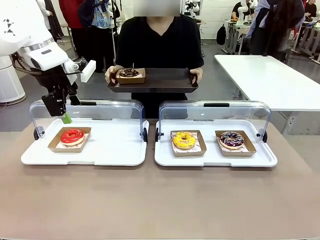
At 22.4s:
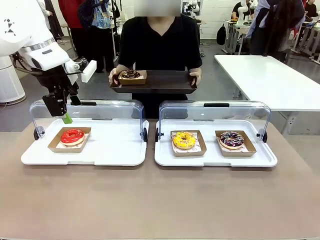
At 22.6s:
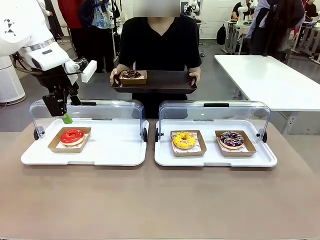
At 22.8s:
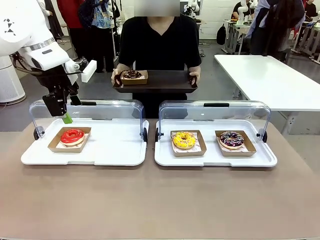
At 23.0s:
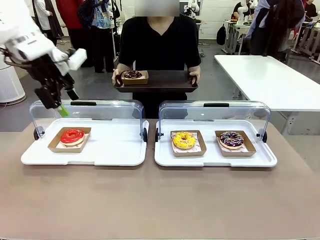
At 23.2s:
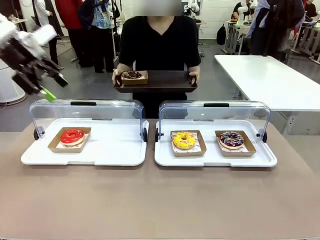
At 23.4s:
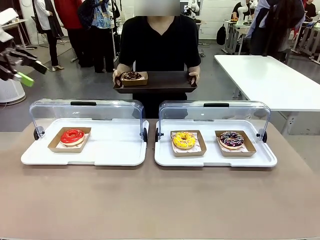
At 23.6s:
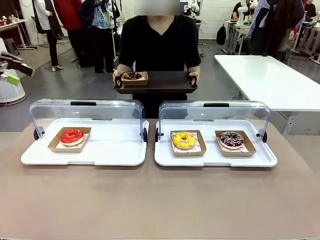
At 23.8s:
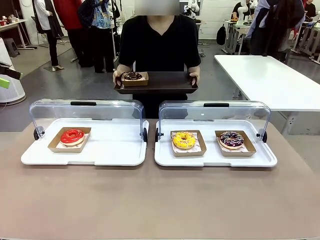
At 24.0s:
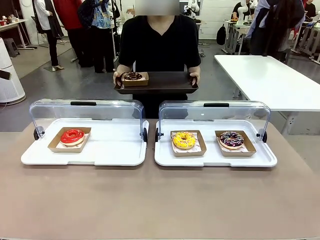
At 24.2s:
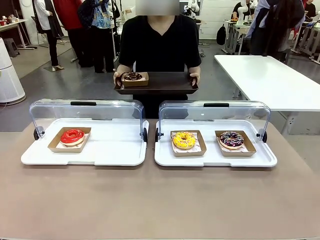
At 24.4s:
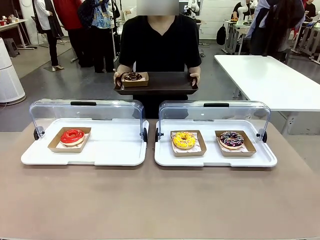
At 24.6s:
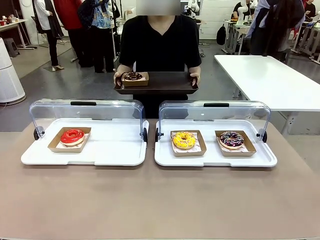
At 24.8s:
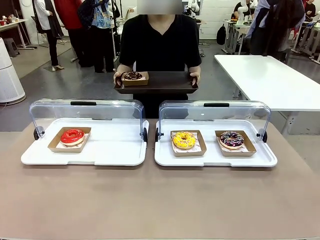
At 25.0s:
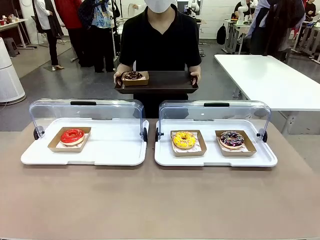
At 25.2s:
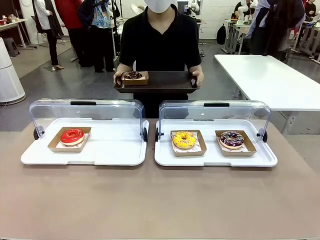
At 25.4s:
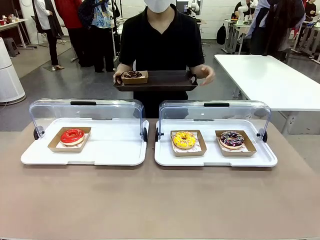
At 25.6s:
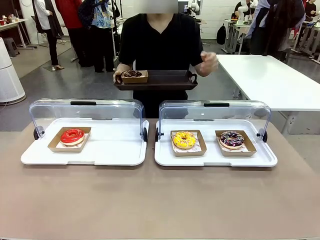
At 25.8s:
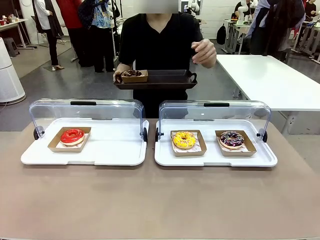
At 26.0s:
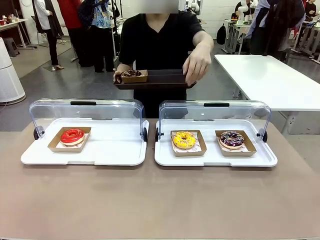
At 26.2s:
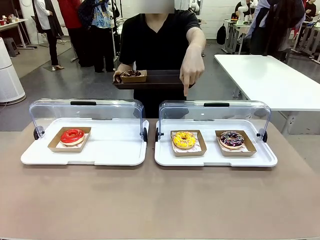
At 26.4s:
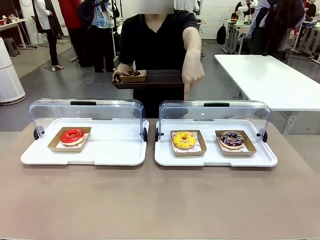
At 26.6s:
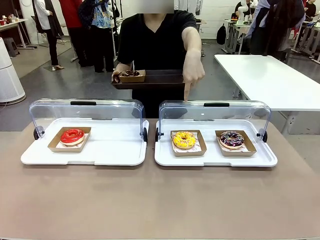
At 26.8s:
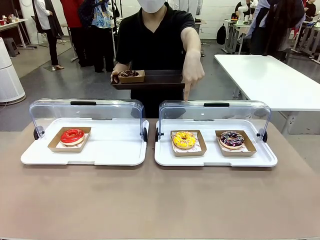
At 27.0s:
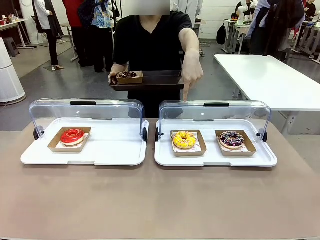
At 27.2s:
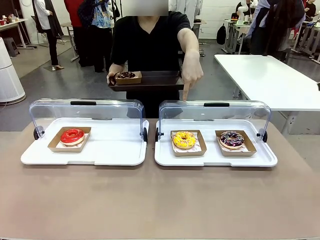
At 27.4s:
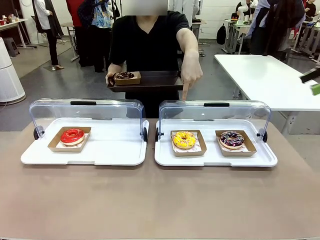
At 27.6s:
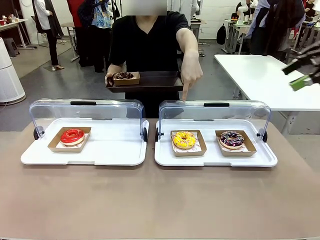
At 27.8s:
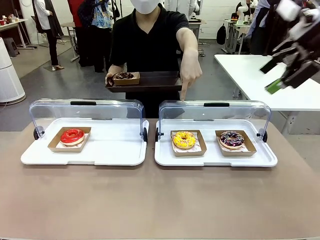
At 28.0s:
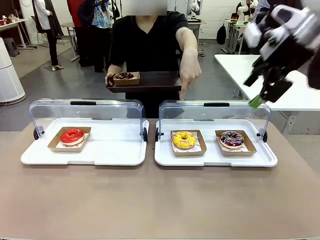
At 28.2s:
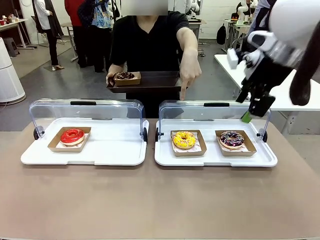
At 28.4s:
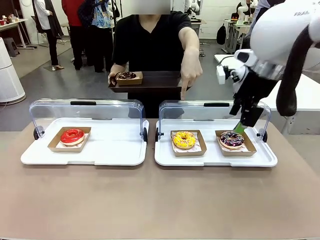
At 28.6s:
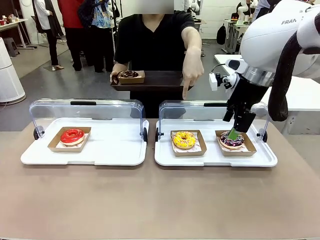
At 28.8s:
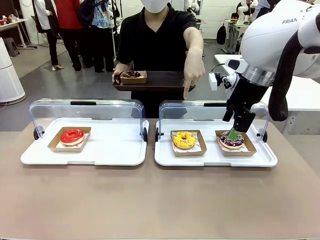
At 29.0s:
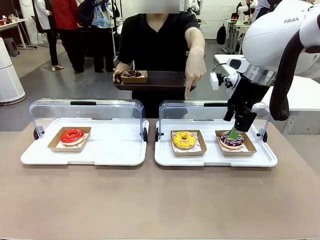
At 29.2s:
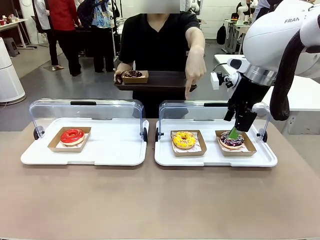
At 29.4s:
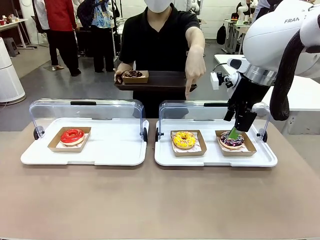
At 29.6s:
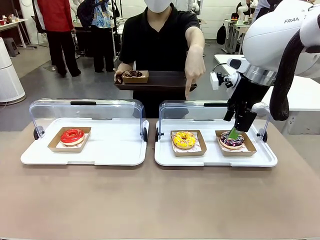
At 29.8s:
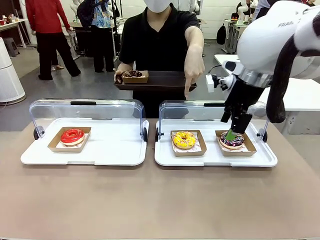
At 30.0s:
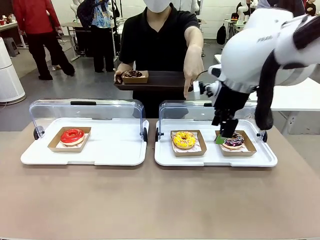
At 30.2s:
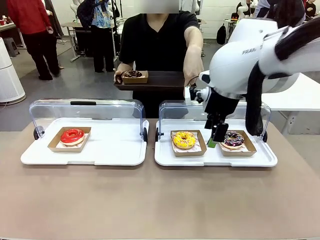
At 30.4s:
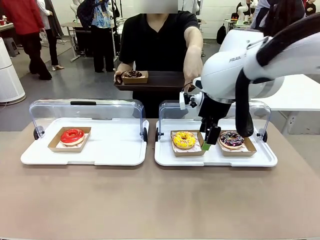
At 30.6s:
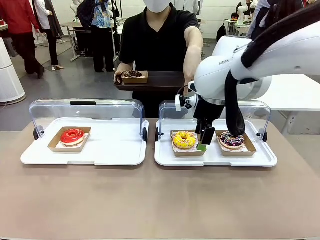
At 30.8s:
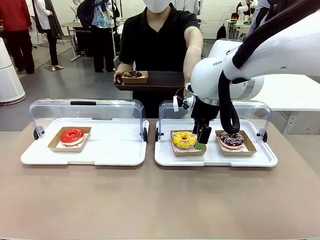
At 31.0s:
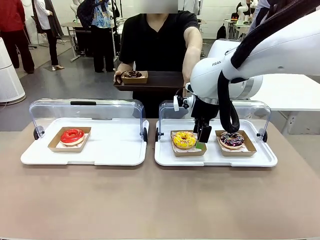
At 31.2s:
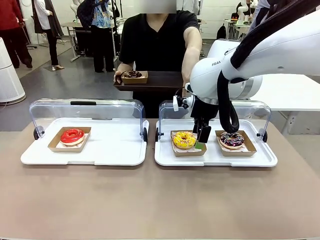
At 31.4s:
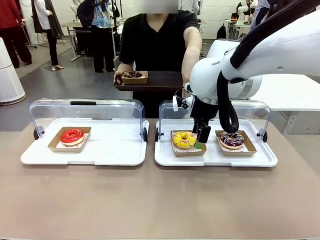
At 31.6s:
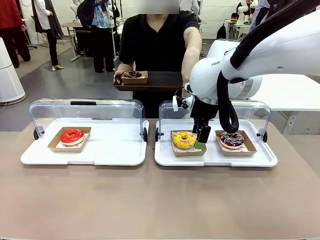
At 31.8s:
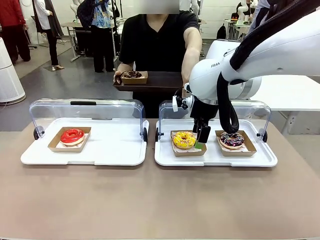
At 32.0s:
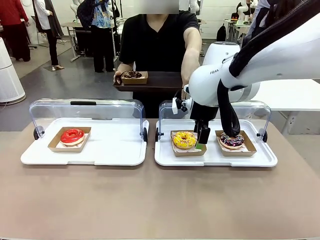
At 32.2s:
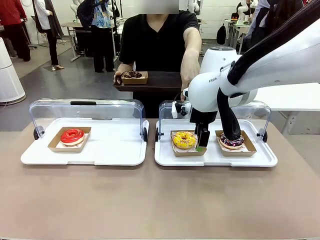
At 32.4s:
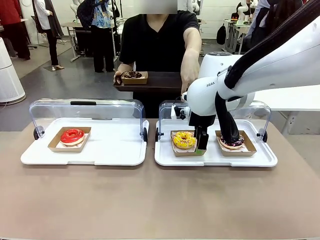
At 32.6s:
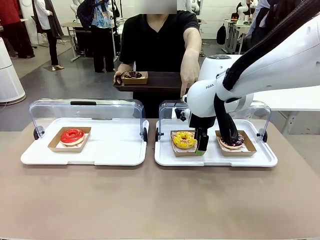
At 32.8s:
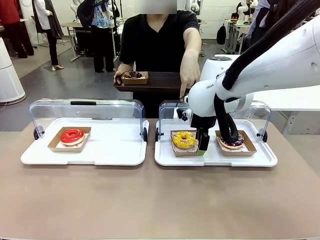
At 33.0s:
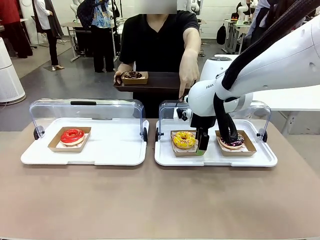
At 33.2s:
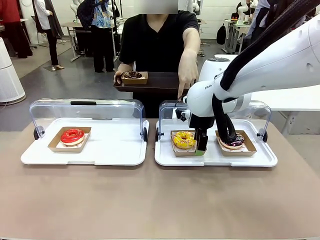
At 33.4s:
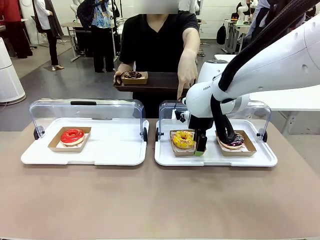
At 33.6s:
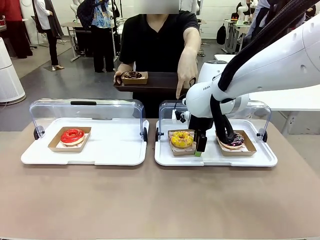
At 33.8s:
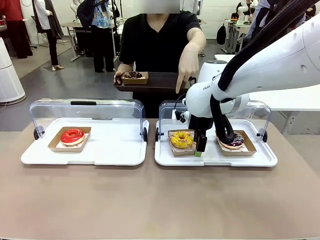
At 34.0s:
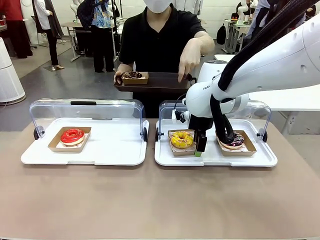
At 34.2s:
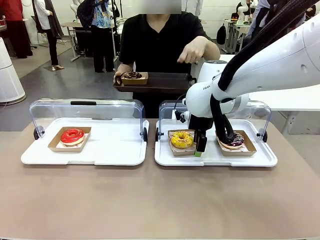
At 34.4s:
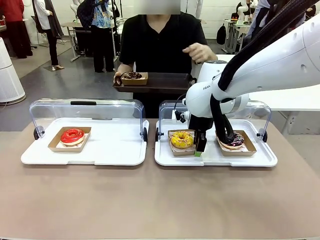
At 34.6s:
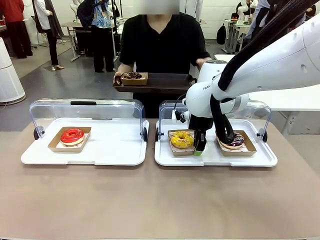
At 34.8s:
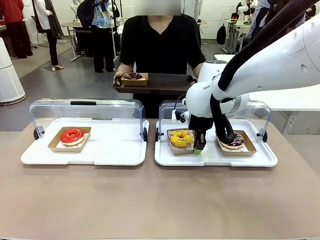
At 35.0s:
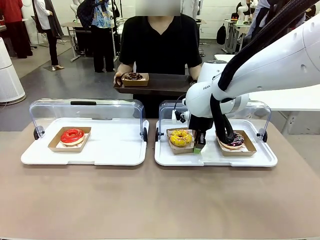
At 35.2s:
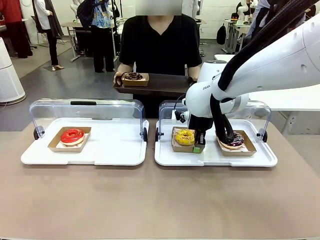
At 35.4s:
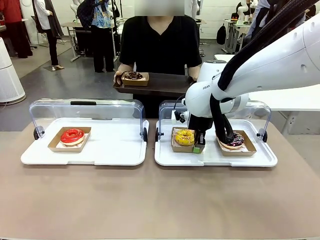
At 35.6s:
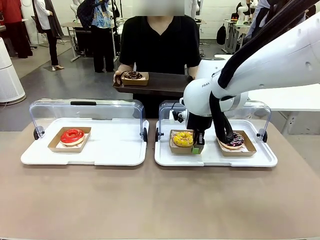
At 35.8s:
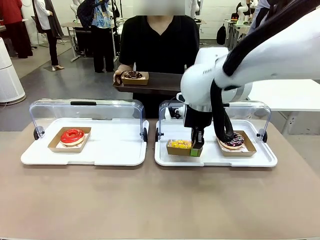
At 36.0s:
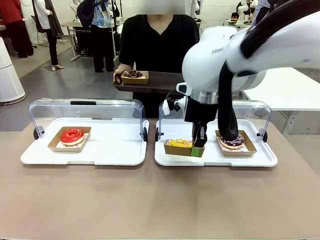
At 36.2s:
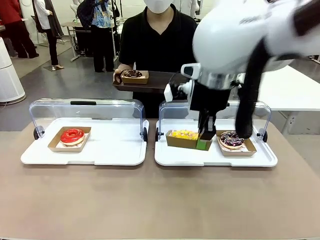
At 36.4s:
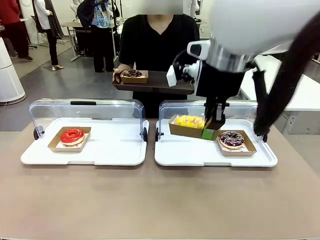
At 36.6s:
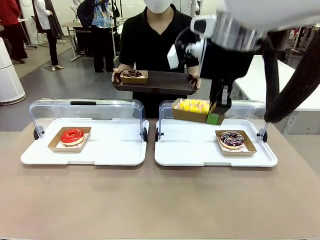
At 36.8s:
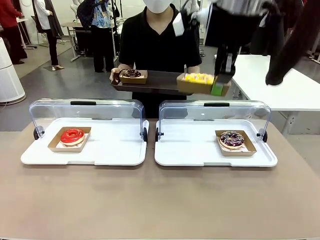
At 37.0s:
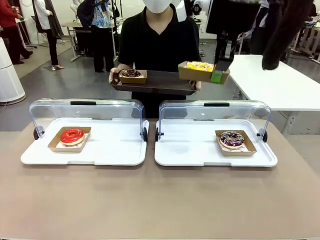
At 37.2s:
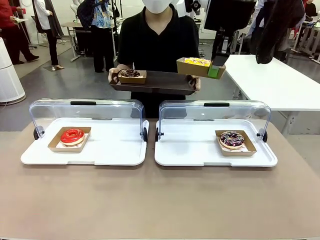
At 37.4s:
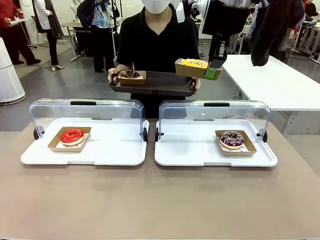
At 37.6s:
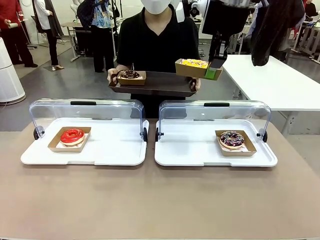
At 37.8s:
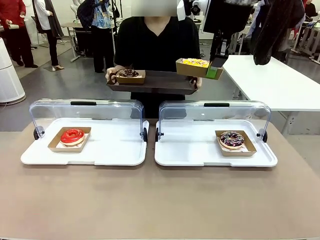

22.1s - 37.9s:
Task: Provide the desired donut to the person.
Robot: Pick up and lift the Paper togo box containing the Donut pointed at by the person.
Person: Point to one donut. Lift the tray onto the Roll-Top Bakery Case.

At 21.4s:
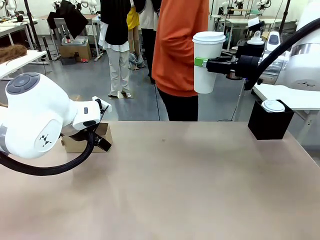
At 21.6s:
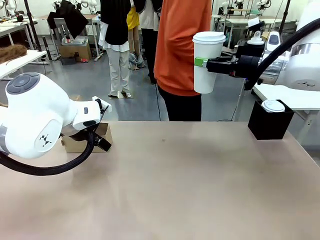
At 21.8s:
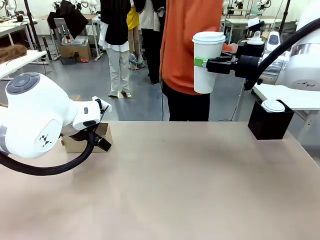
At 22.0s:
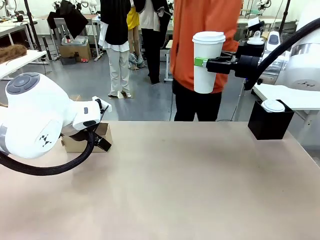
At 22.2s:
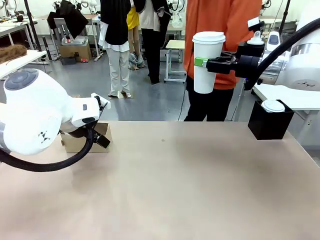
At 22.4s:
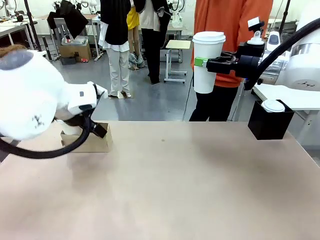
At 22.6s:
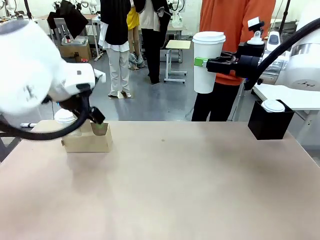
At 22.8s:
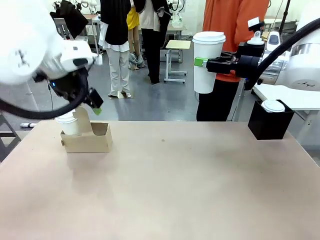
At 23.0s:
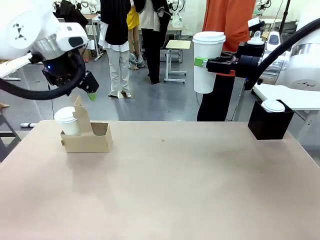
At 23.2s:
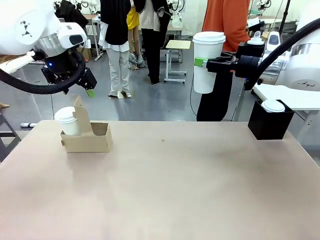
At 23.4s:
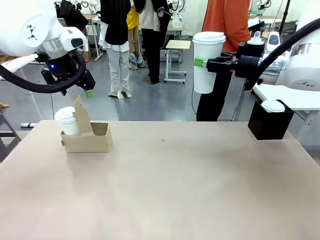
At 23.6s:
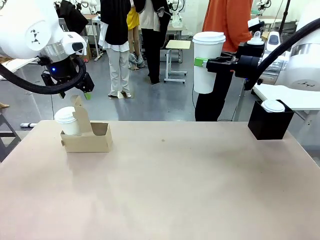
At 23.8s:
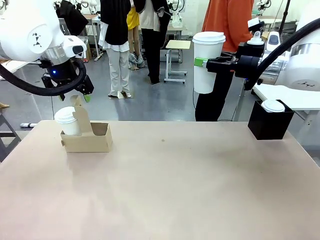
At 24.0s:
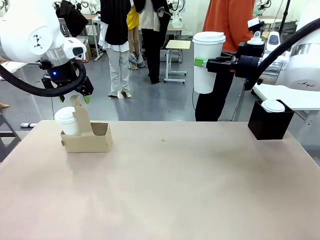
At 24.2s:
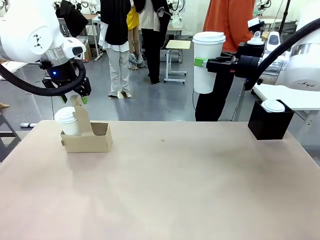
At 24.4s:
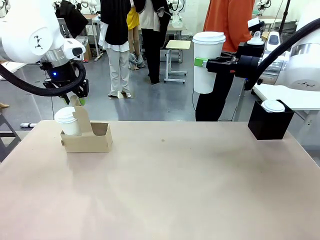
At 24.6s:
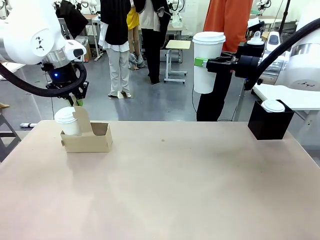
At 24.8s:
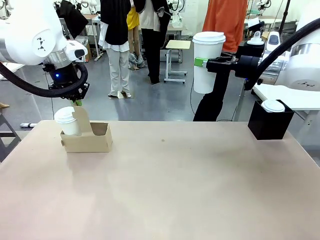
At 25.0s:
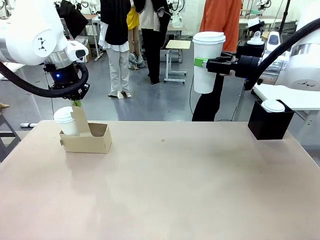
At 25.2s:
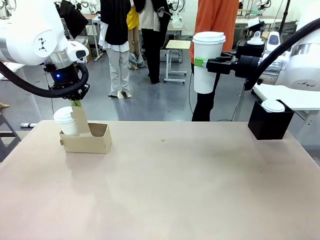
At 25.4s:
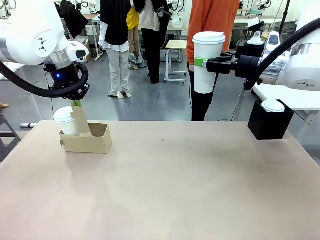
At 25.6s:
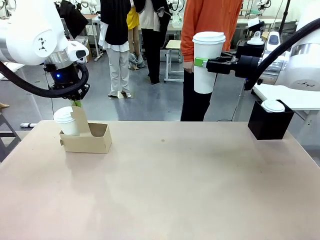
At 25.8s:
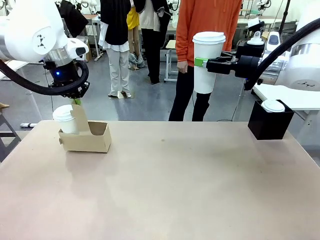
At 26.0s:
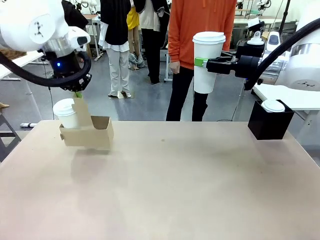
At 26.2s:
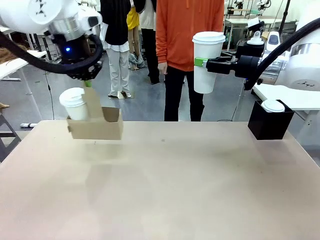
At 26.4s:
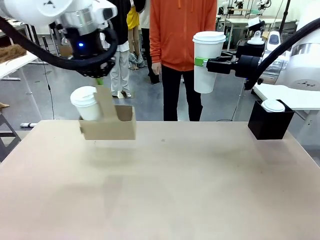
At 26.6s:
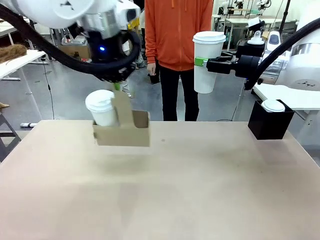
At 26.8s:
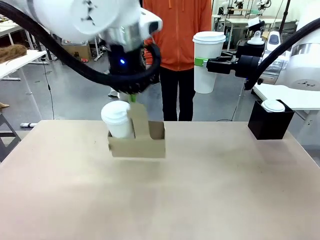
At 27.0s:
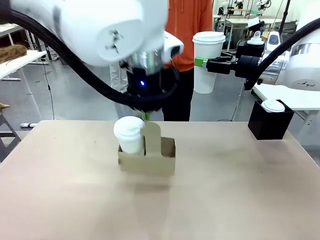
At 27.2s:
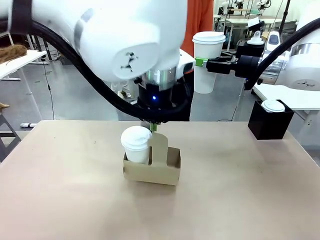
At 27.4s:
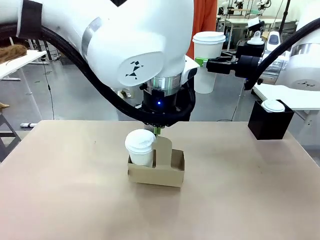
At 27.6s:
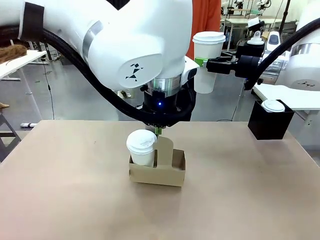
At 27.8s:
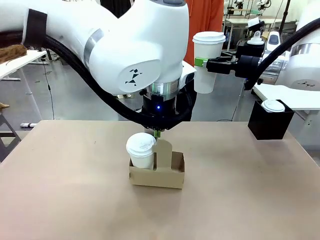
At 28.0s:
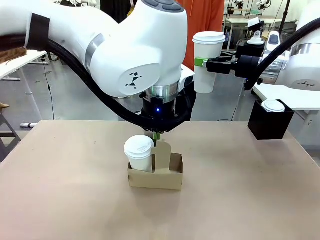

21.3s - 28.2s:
Task: Pour a drink into a cup and package it in a carrier.
Robot: Position the Cup Carrier in the center of the table.
Person: Pick up the Filter Brewing and place on the middle of Human table, and return to the Robot table.
